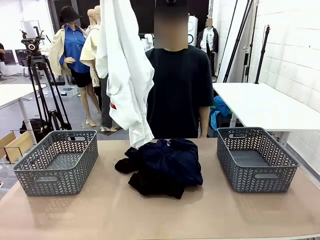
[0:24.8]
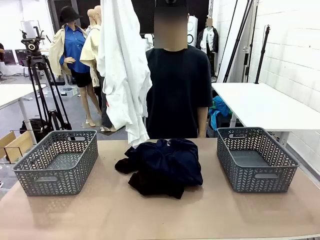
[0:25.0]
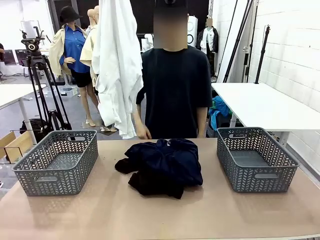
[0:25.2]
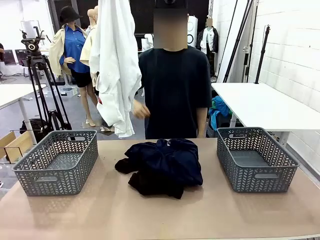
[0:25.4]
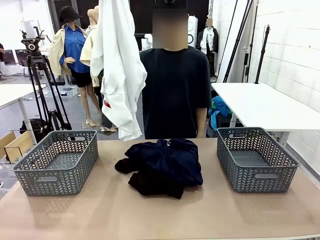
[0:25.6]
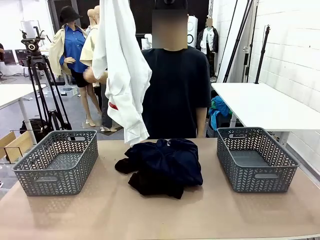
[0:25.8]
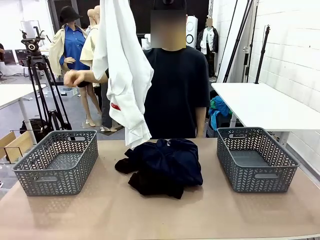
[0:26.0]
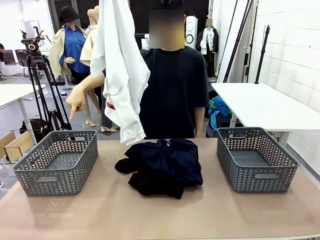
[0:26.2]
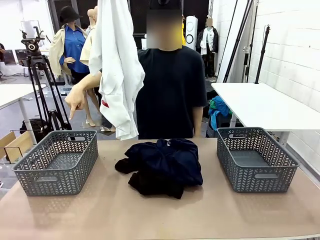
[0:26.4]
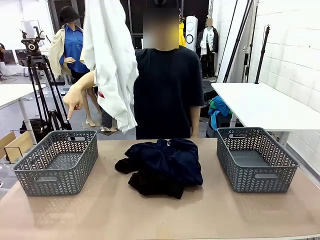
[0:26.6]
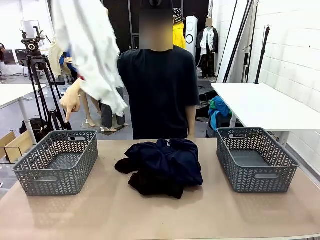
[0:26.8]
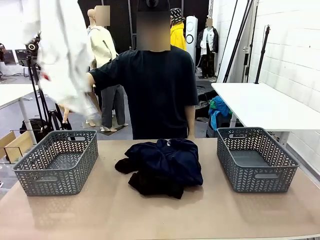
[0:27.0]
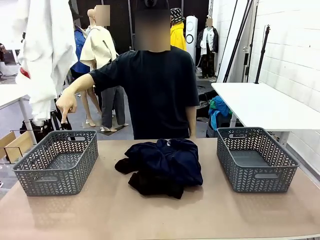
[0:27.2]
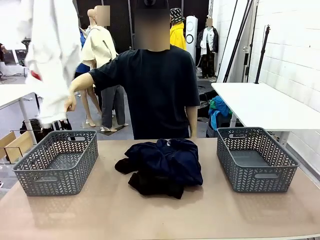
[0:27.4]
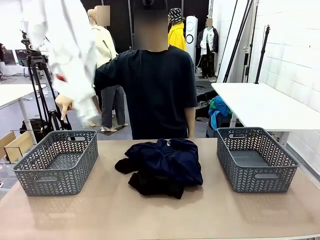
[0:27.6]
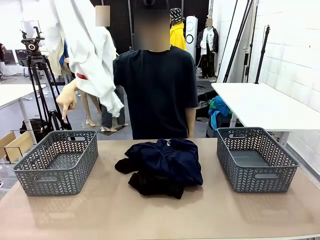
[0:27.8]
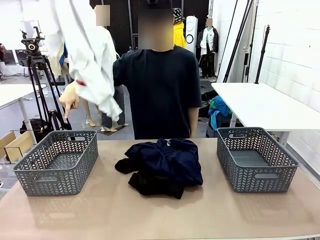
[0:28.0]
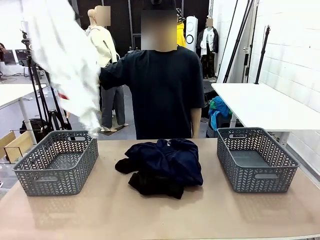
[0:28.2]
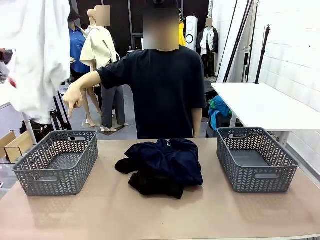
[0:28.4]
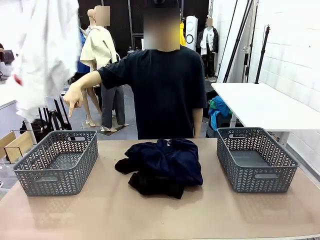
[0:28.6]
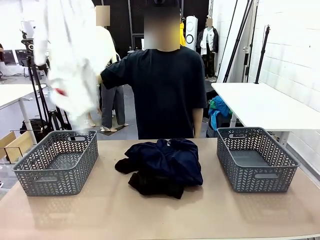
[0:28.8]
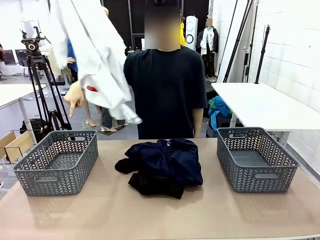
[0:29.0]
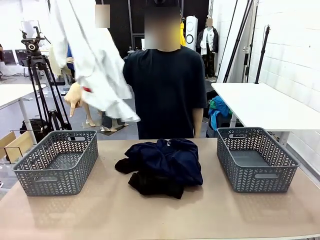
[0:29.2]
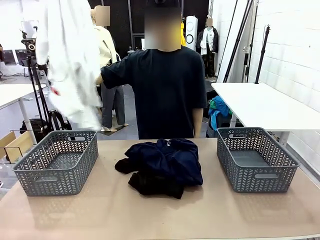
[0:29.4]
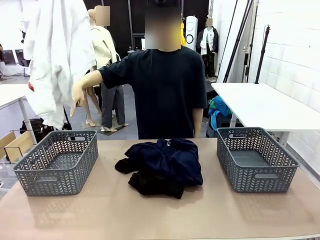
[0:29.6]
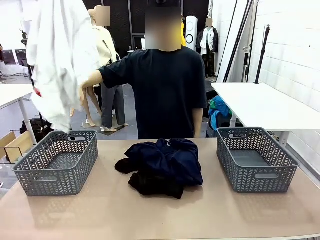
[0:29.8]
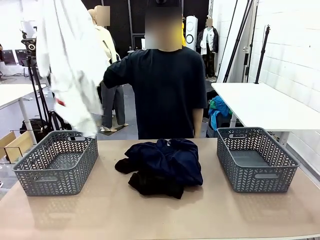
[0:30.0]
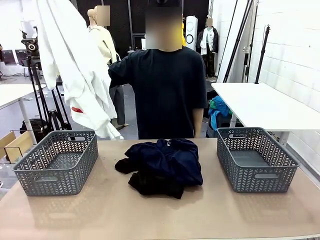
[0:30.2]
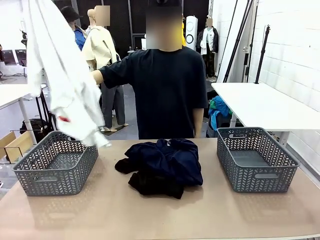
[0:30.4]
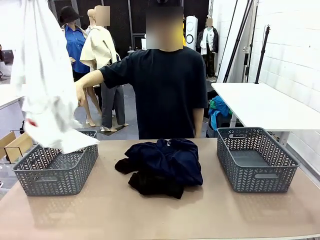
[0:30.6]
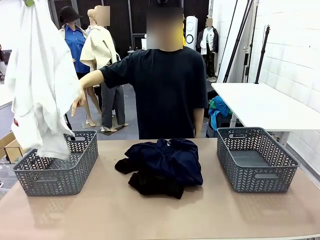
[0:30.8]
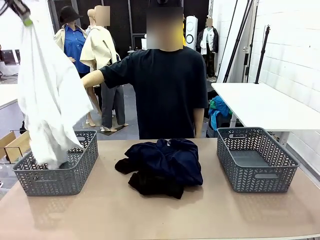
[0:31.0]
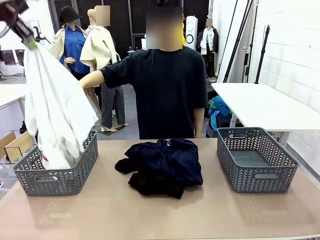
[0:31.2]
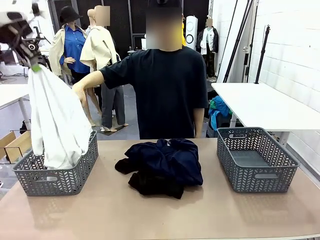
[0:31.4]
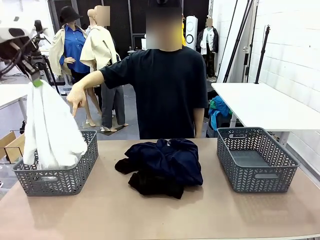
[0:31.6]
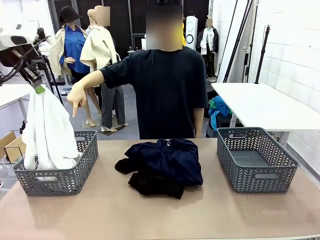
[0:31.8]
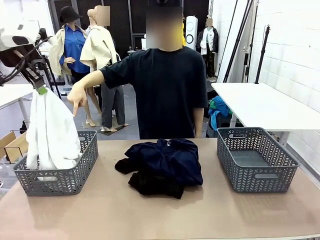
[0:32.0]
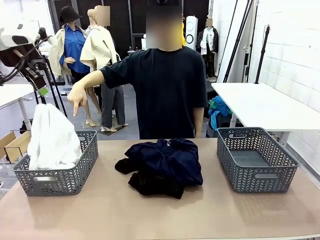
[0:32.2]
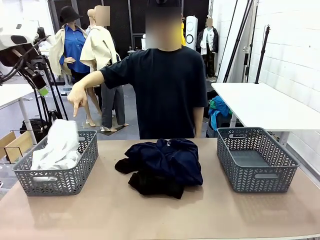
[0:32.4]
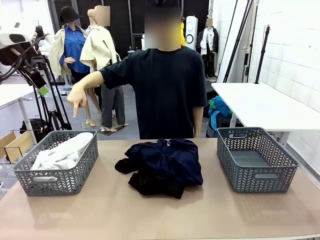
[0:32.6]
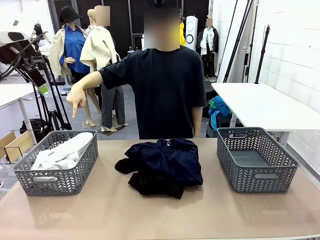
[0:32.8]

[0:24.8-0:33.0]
Task: Sort the tops and bottoms.
Robot: Sort the clothes according to human instructions.

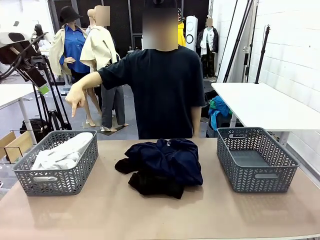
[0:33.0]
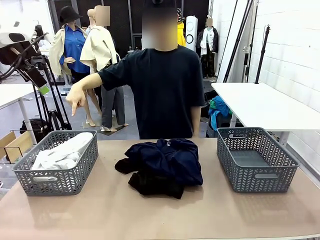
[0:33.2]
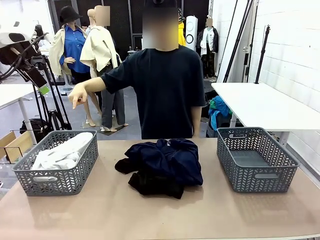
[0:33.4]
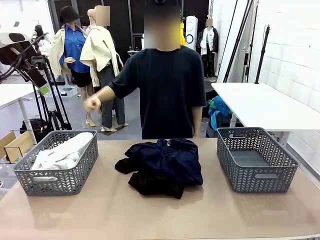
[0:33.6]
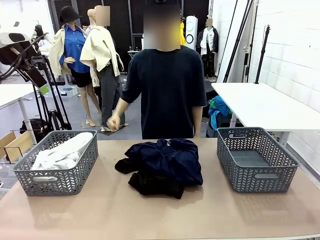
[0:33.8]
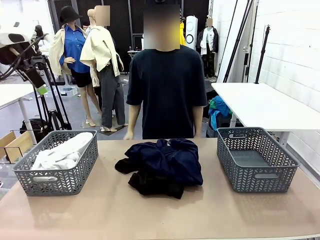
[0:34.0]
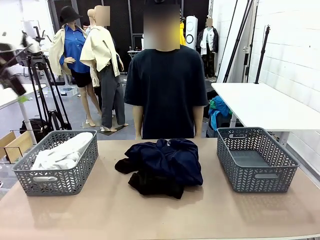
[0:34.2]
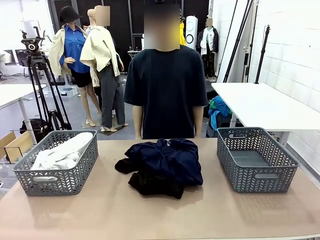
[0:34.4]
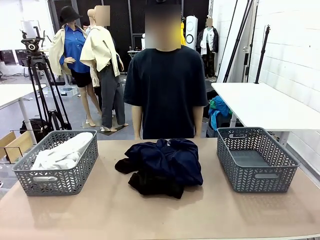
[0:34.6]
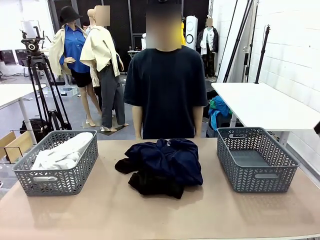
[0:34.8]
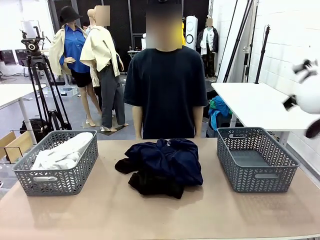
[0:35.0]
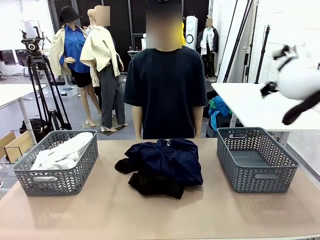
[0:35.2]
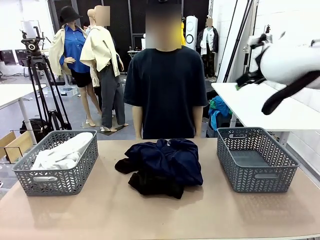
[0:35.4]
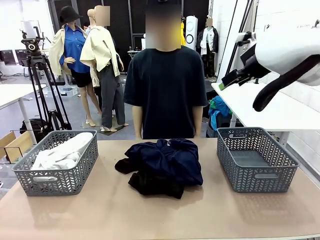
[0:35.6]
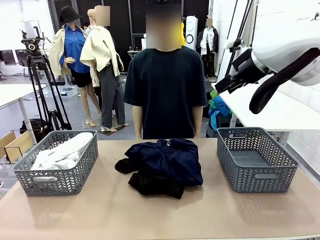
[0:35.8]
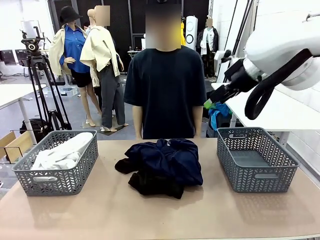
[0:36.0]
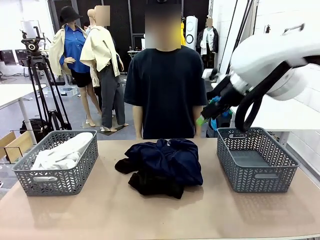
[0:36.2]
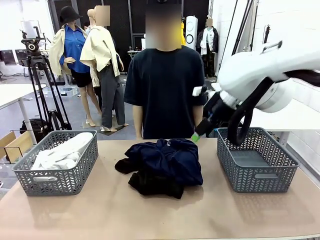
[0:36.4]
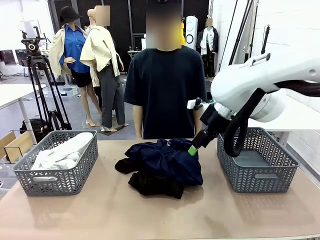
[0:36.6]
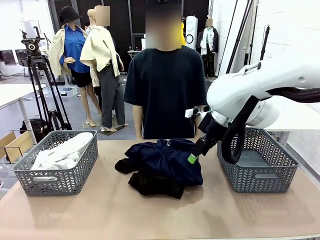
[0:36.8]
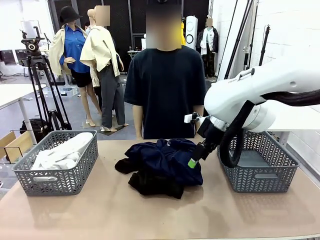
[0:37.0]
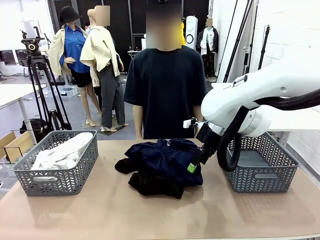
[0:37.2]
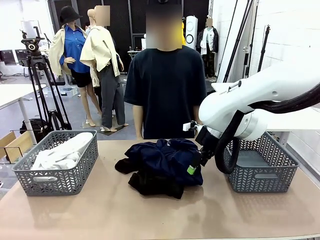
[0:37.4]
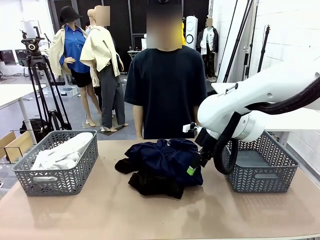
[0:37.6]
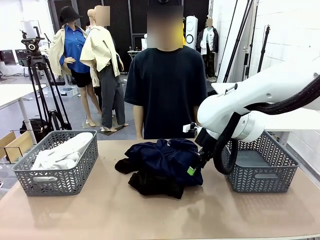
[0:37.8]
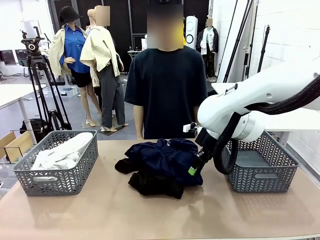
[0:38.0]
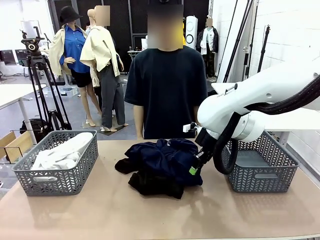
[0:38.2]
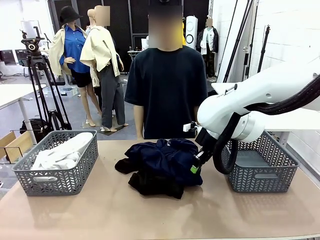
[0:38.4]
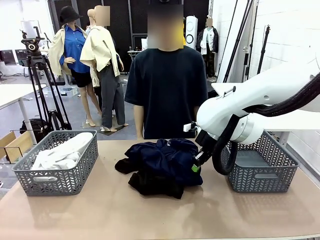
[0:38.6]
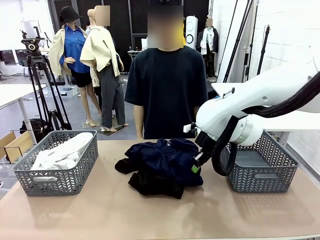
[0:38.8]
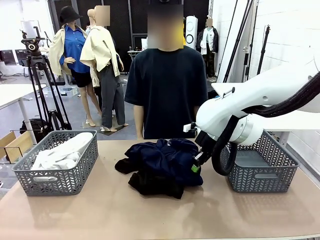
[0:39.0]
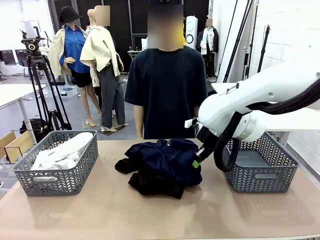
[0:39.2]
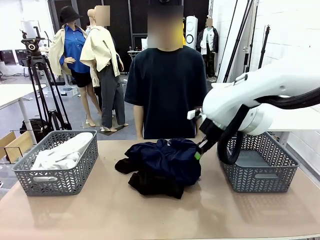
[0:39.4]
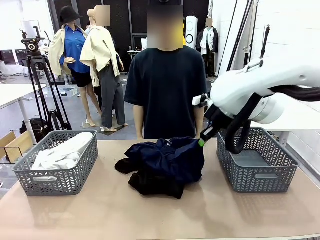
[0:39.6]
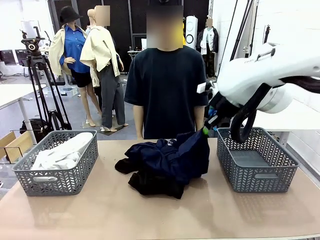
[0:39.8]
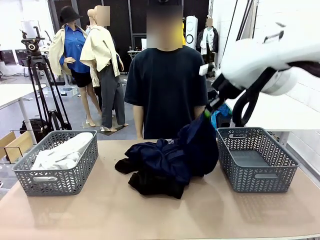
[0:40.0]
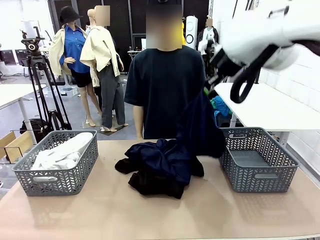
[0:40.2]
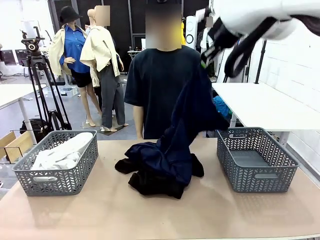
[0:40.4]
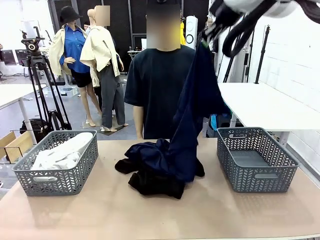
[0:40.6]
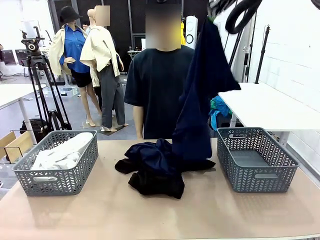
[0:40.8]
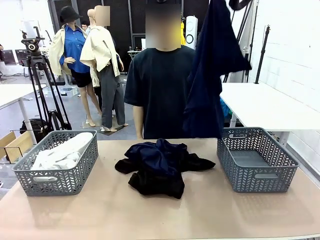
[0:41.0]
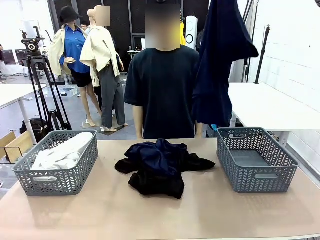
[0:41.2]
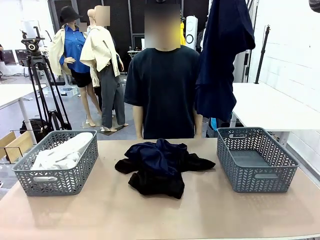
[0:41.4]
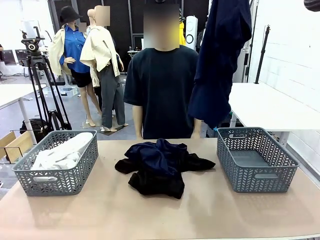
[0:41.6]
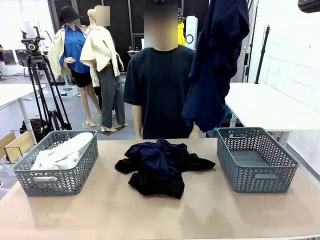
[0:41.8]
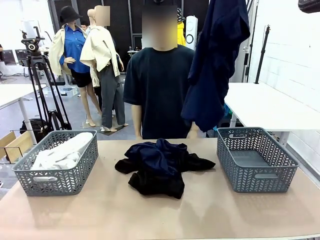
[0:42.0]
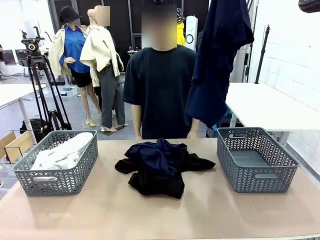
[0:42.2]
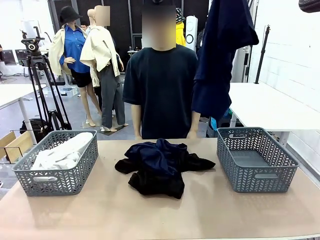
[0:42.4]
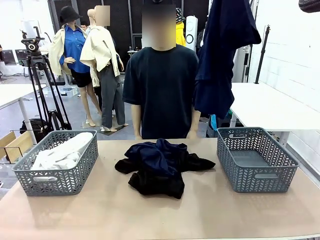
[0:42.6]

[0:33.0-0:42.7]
Robot: Lift clothes from the center of the table with your right hand.

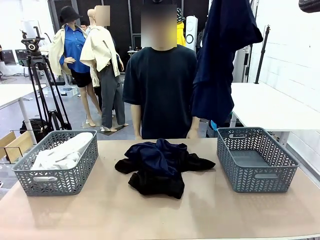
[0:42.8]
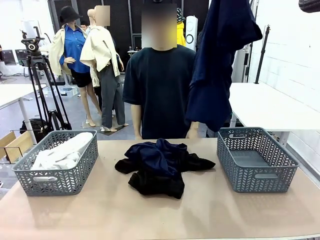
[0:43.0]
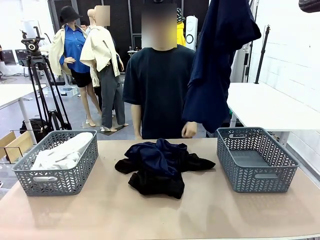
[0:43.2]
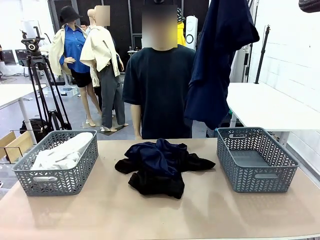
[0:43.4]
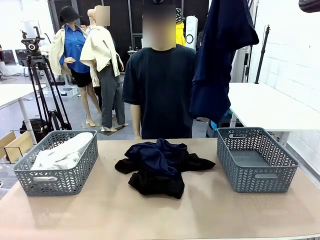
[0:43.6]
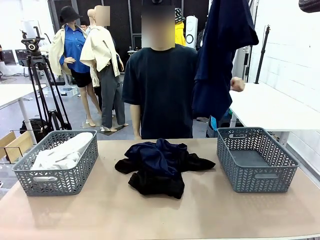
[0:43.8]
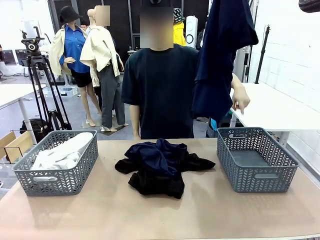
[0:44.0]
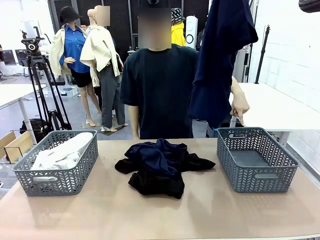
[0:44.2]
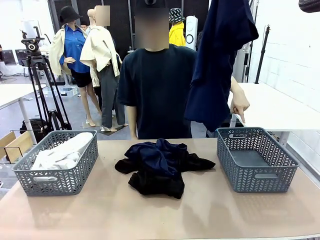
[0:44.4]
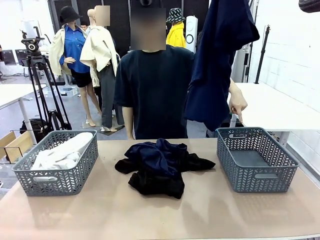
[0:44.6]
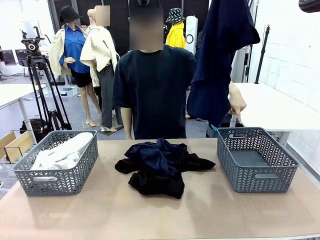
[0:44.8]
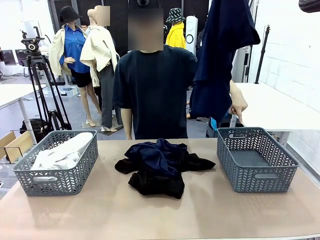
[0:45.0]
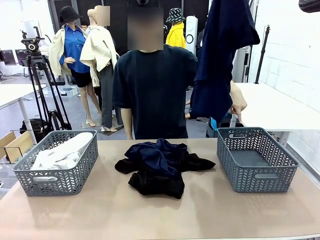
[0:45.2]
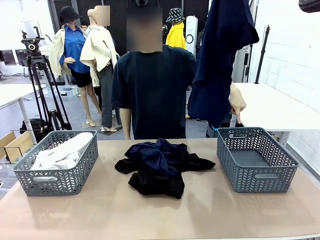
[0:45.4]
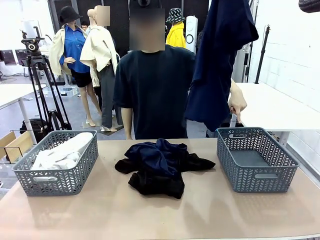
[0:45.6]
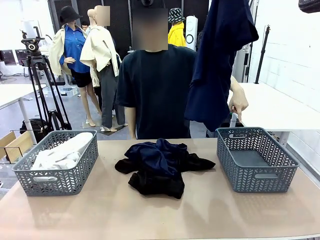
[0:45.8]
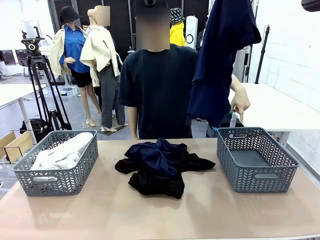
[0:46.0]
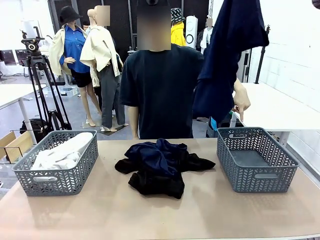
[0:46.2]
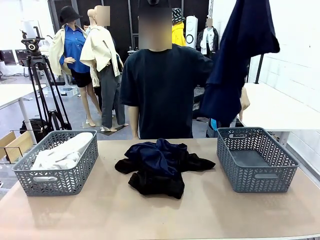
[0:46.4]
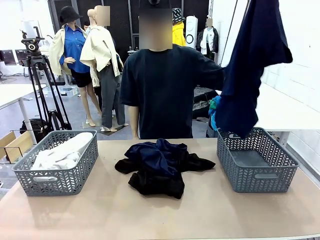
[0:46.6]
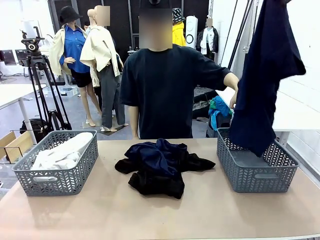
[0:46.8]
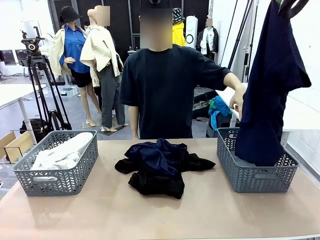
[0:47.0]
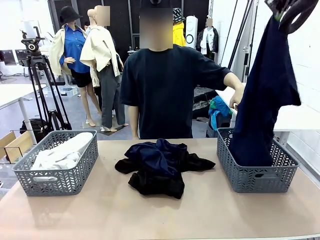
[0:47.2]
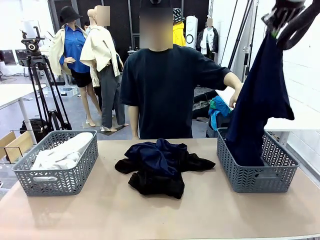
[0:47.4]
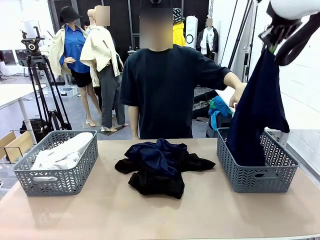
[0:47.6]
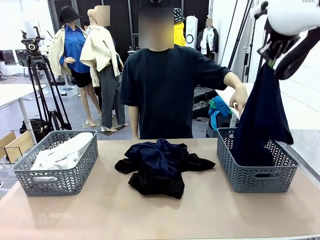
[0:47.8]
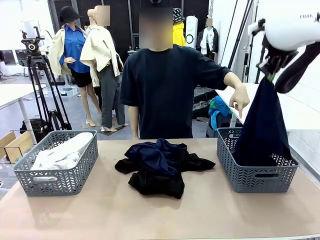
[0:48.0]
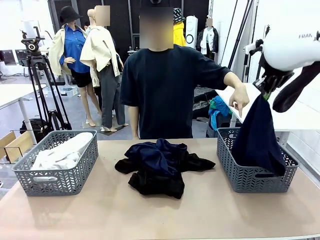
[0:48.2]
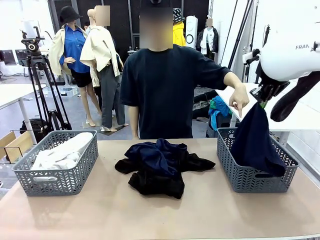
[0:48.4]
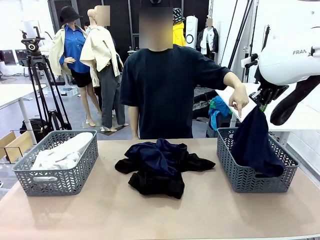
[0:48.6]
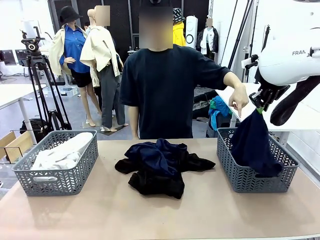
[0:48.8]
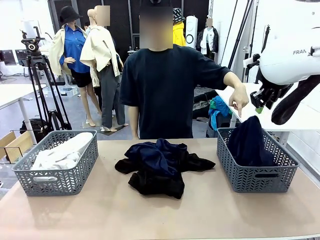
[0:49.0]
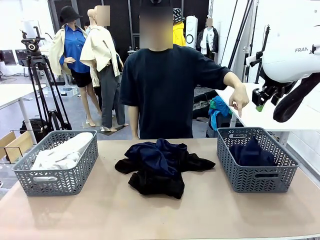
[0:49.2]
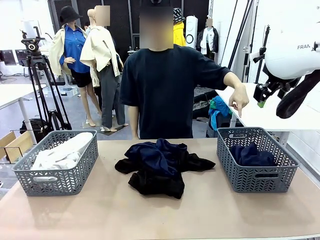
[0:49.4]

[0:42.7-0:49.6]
Robot: Sort the clothes according to human instructions.
